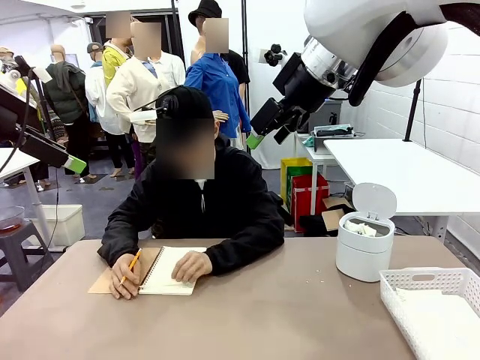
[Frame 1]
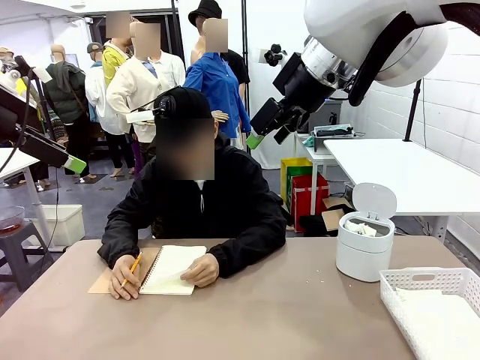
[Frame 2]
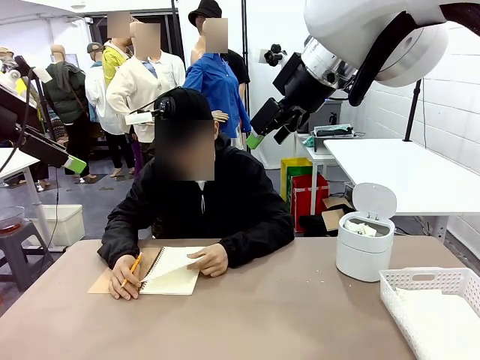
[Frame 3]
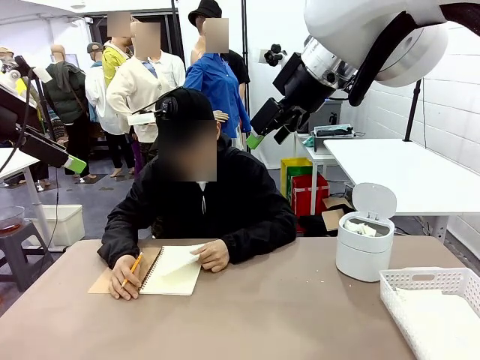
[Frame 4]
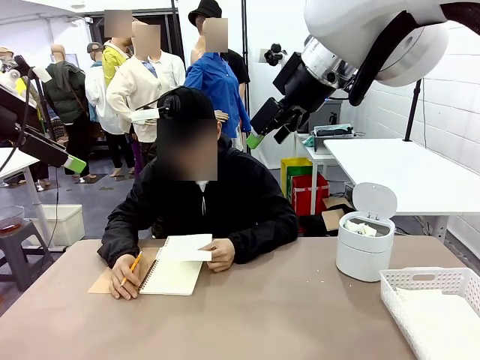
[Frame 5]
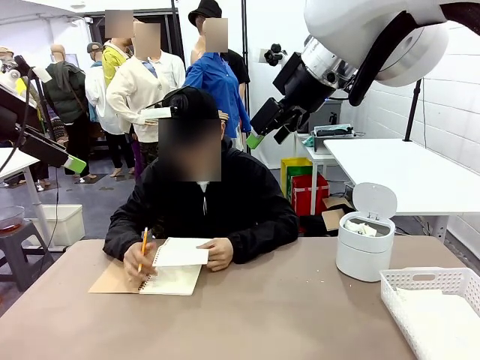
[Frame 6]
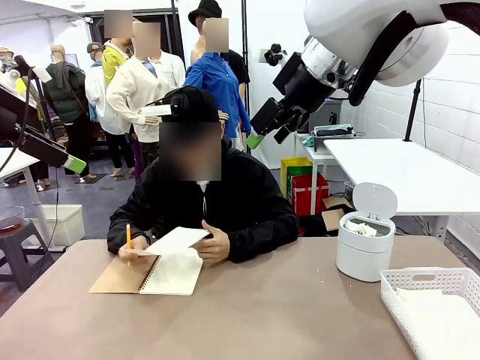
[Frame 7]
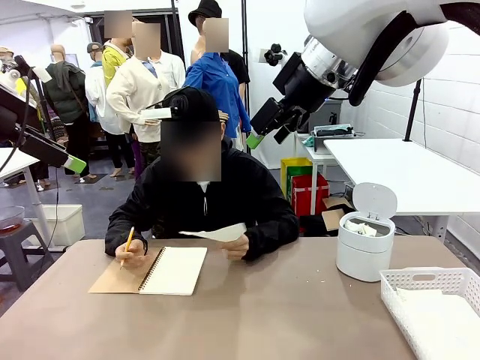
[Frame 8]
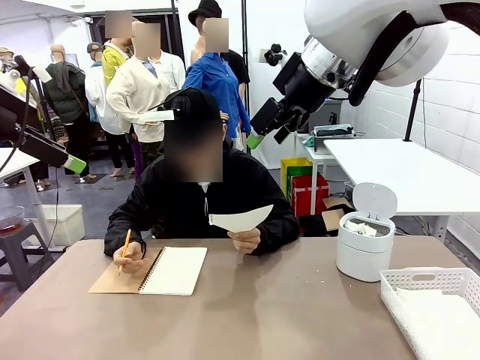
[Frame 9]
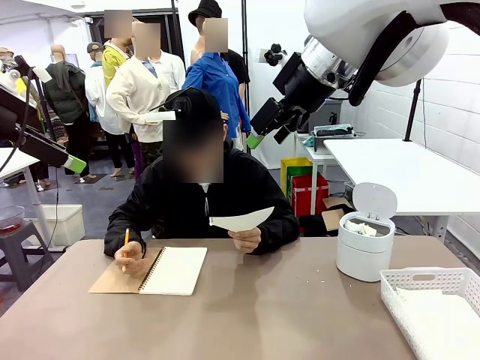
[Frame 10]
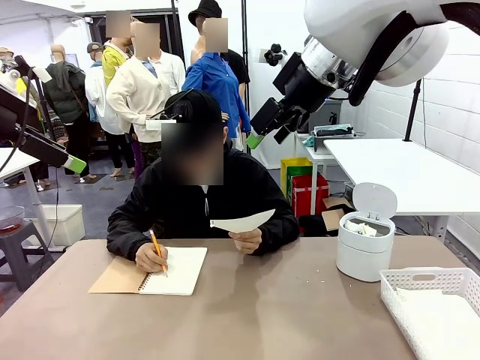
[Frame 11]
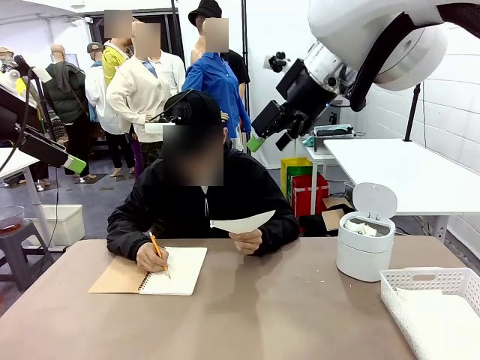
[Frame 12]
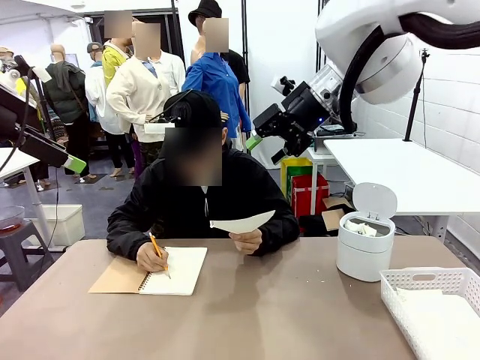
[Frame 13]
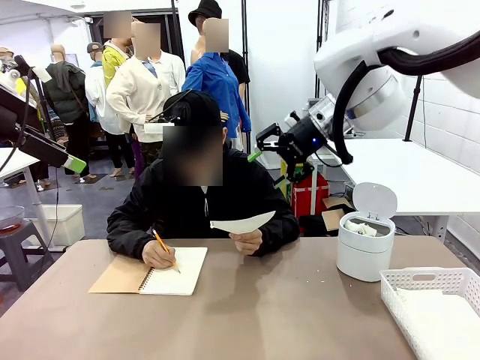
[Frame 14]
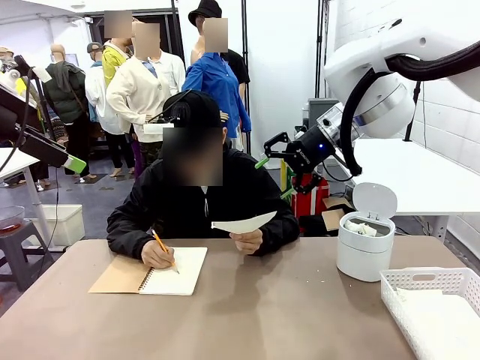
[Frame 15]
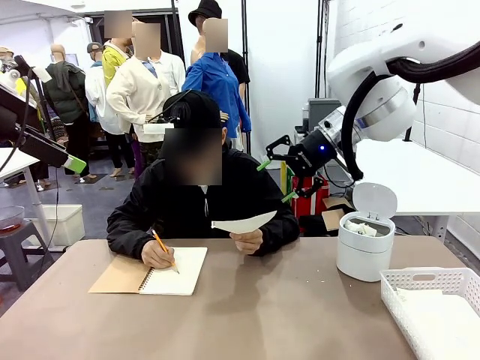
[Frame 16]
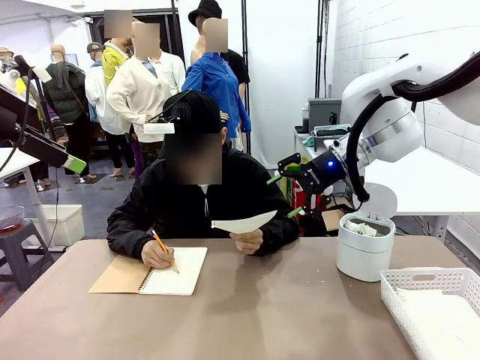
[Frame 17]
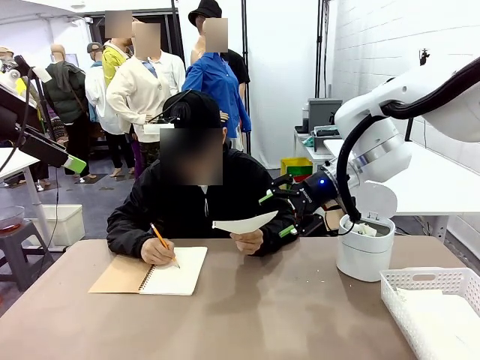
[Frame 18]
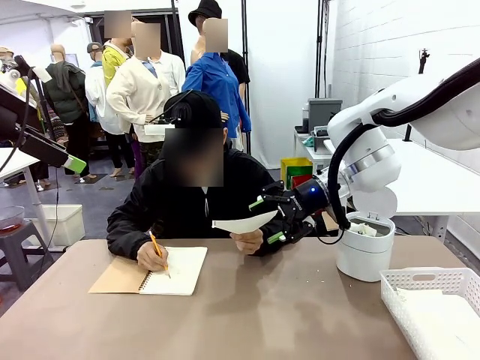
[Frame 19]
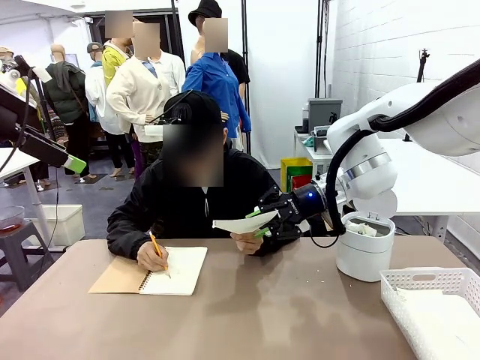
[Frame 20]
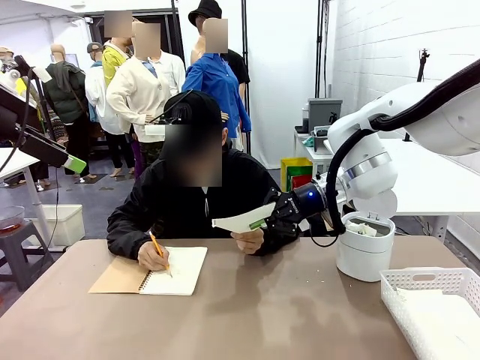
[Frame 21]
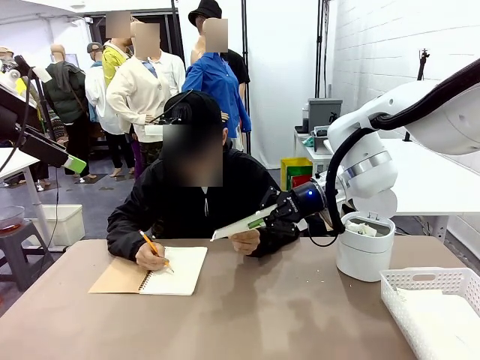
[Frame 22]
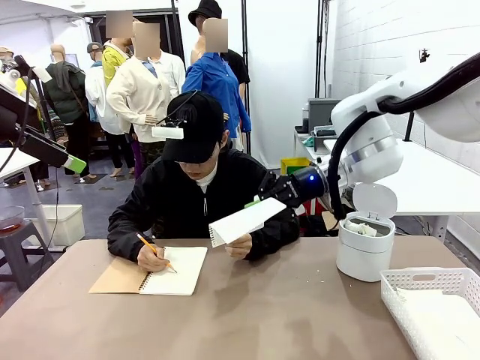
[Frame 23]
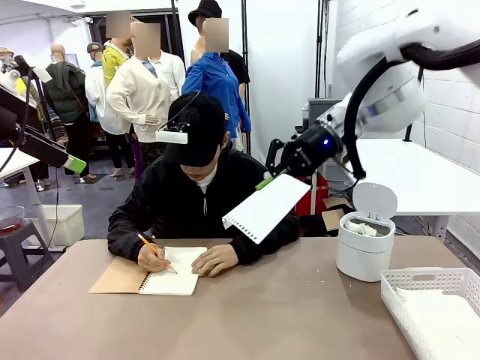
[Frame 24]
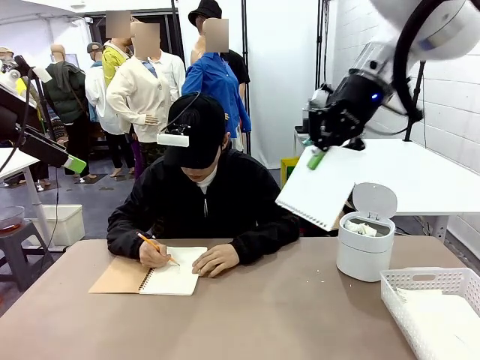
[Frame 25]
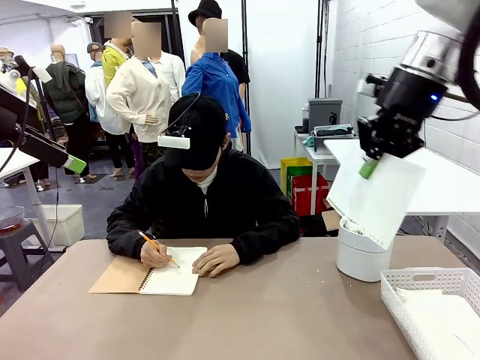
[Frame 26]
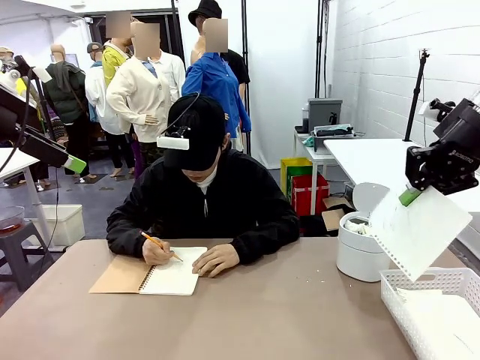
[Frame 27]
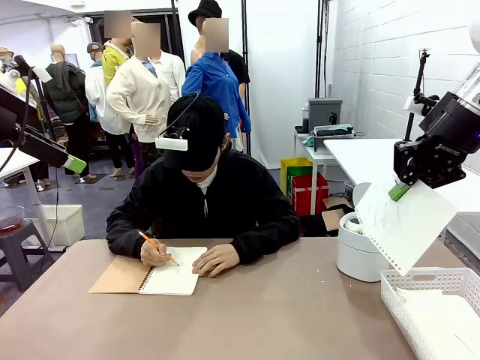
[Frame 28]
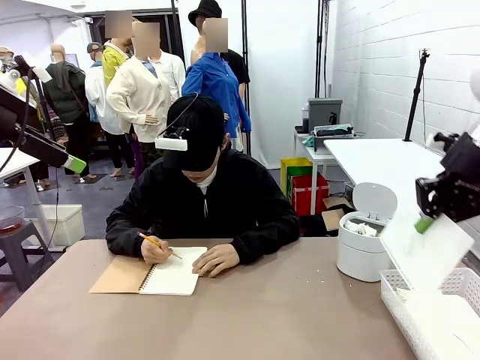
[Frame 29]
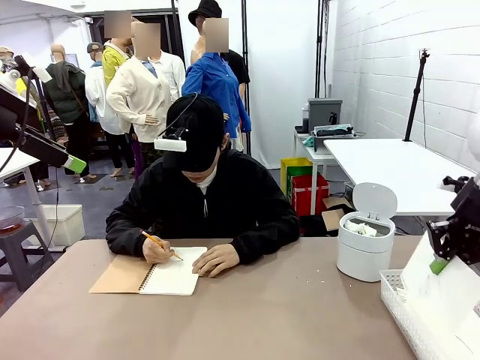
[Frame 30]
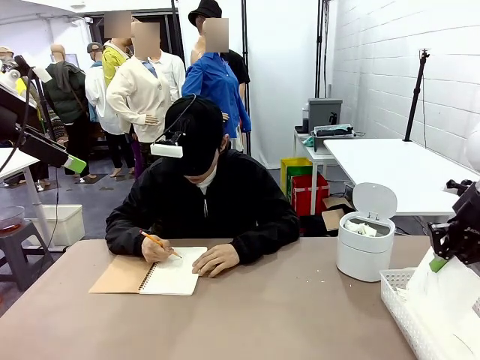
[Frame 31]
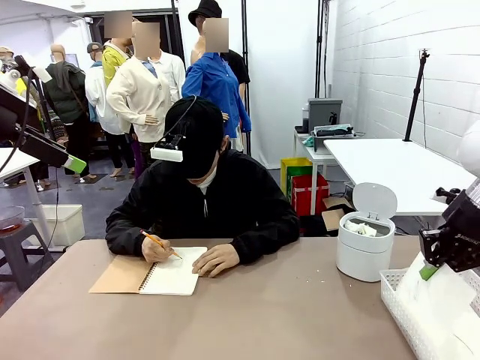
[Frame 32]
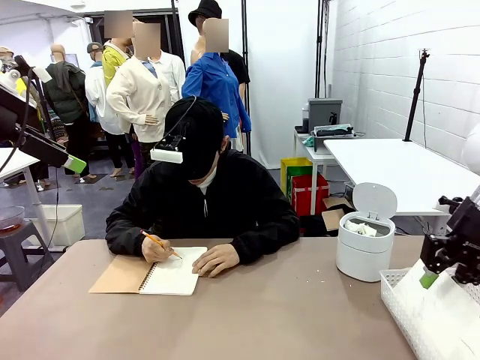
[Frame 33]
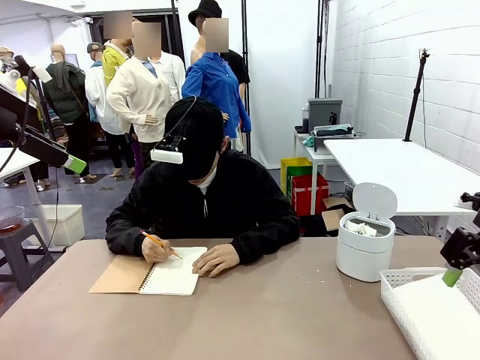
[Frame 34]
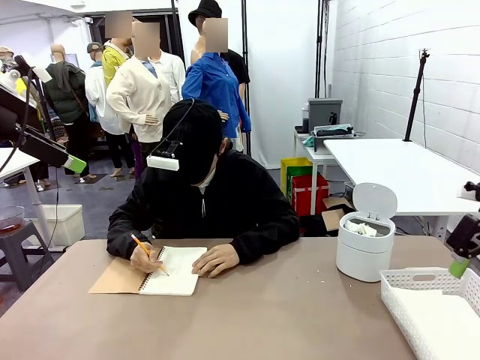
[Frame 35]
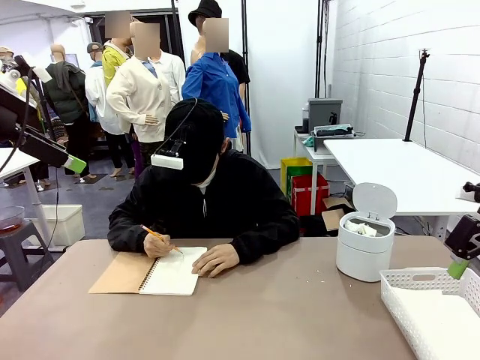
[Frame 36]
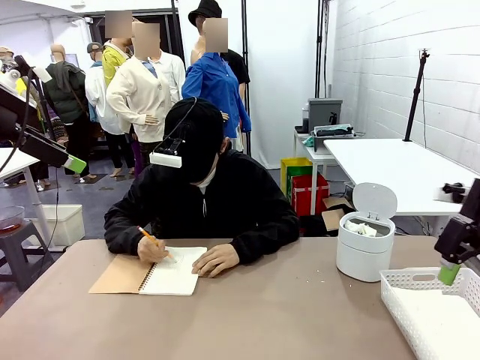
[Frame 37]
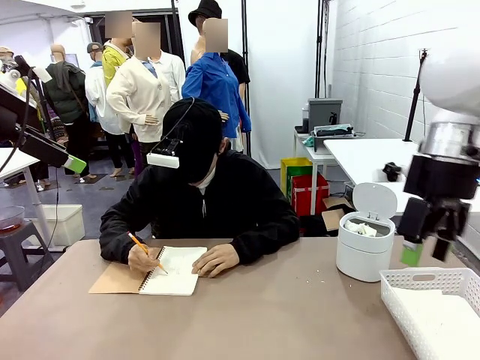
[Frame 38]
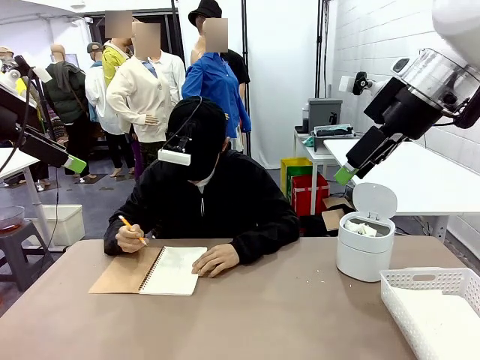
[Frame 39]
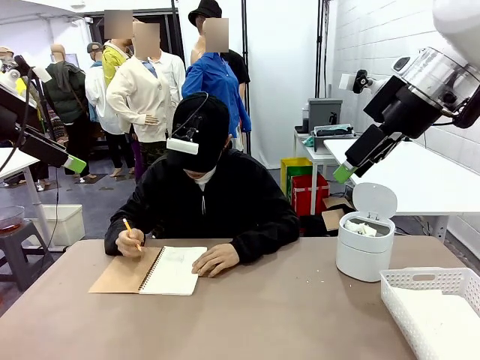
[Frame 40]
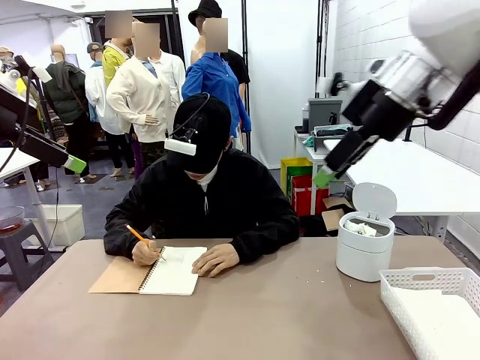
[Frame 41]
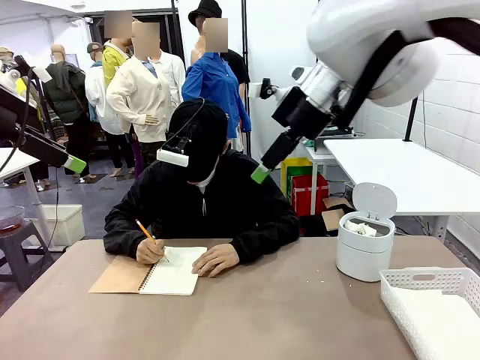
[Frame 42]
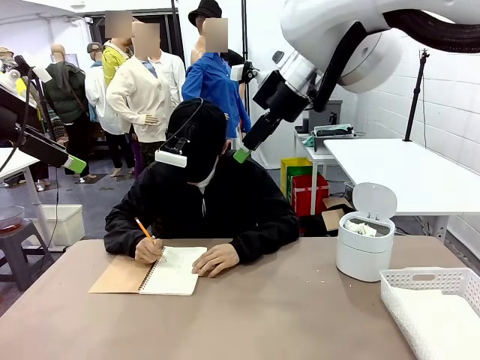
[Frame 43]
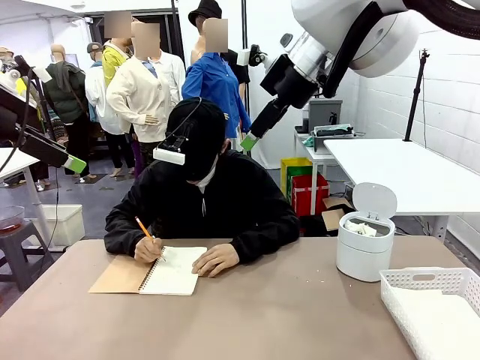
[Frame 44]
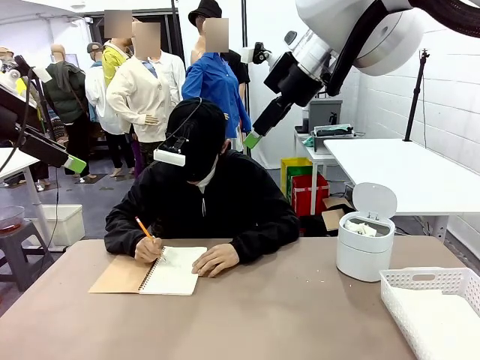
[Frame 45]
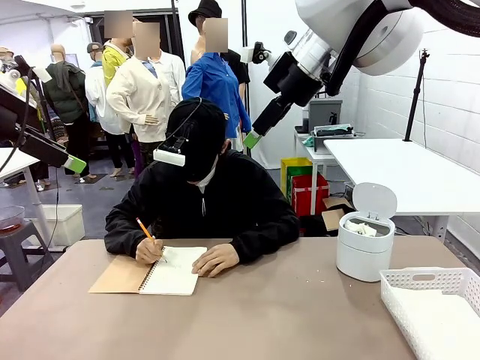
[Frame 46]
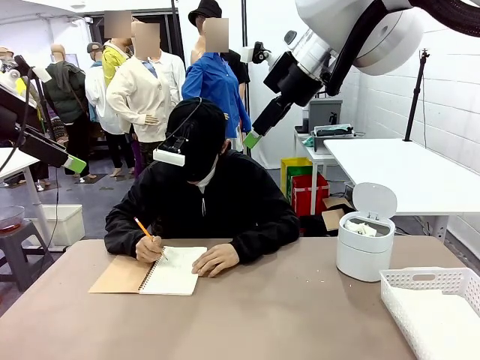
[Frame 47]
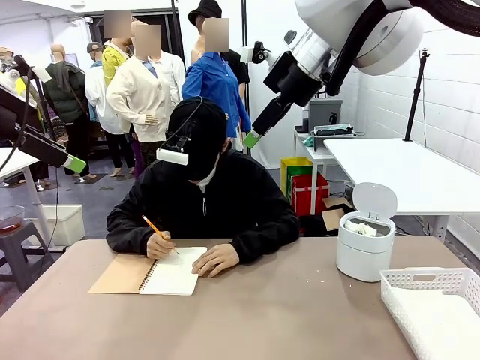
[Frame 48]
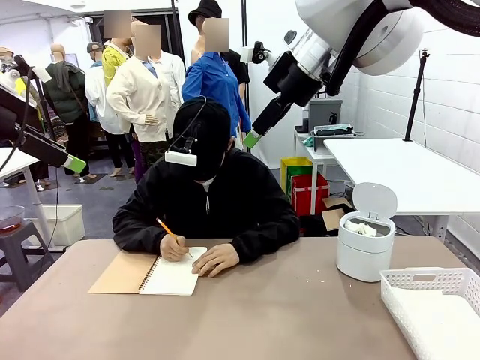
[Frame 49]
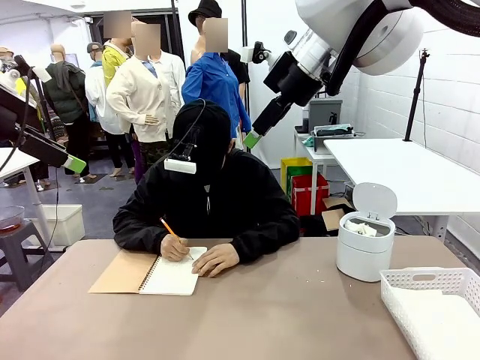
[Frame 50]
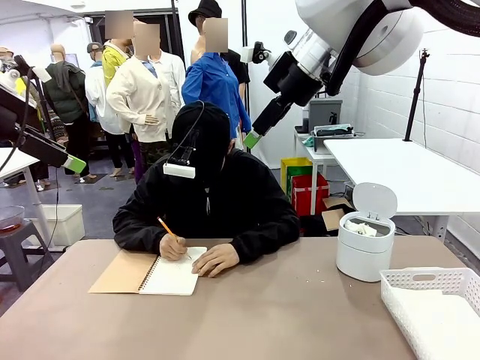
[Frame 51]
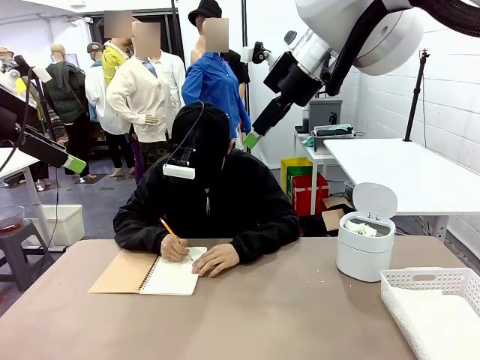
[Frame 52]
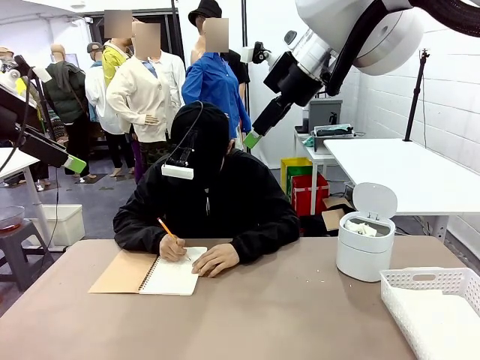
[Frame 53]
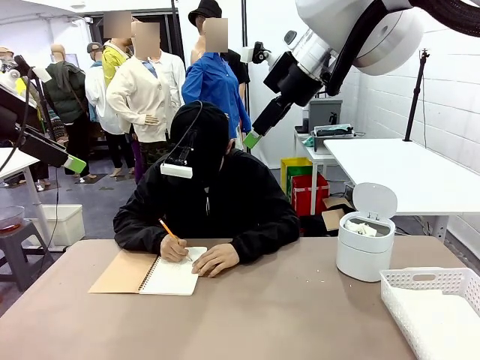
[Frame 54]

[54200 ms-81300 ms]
Task: Sort the paper based on its condition.
Robot: If a person hands you a paper, place it in the Organizing basket , and if it's crumpled, put it in the Trash can.
Person: Hand the torn page to the robot or crumple it and throw it to the center of the table.
